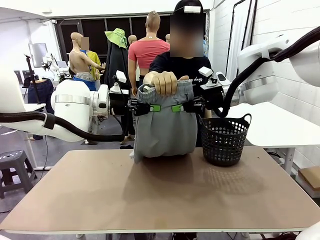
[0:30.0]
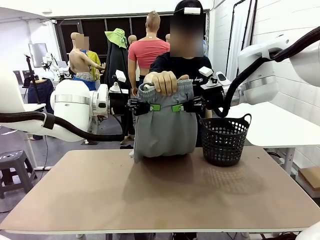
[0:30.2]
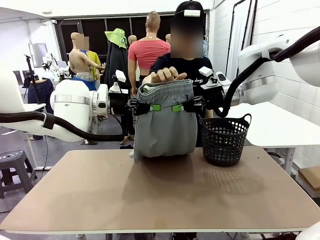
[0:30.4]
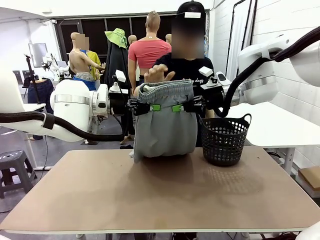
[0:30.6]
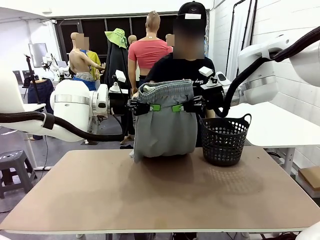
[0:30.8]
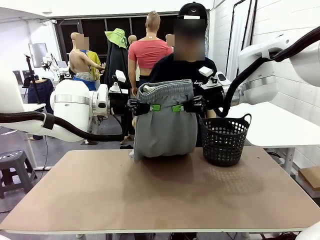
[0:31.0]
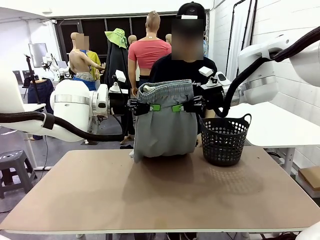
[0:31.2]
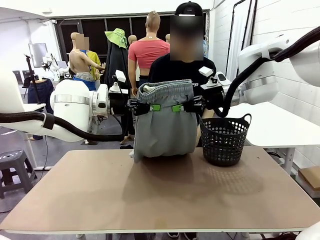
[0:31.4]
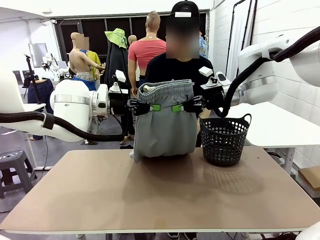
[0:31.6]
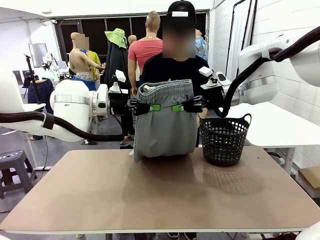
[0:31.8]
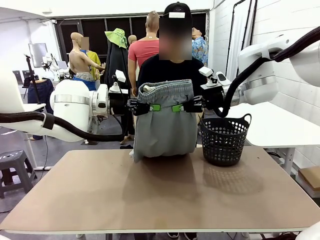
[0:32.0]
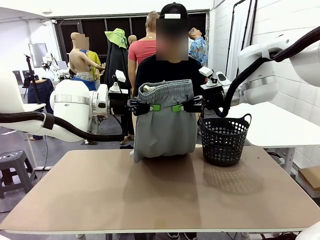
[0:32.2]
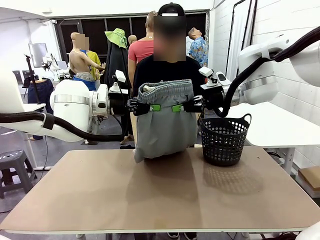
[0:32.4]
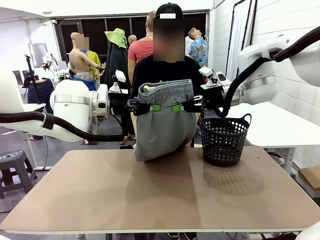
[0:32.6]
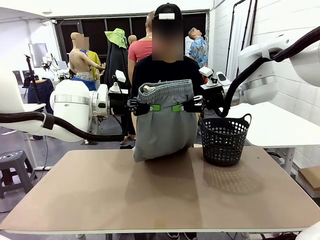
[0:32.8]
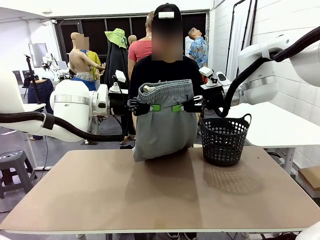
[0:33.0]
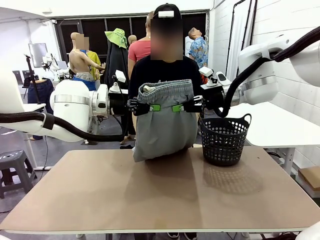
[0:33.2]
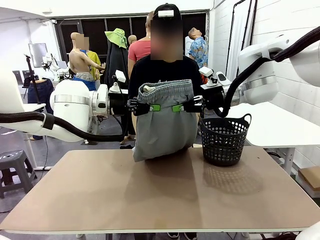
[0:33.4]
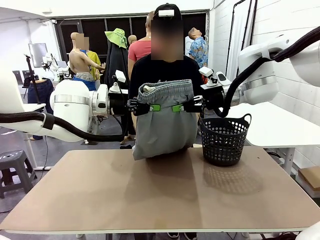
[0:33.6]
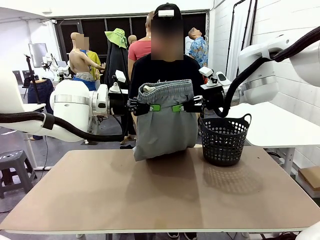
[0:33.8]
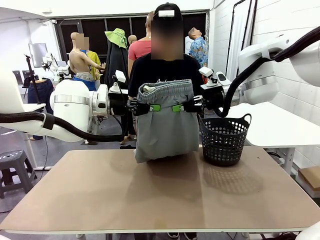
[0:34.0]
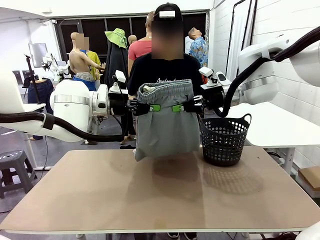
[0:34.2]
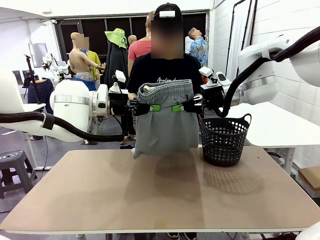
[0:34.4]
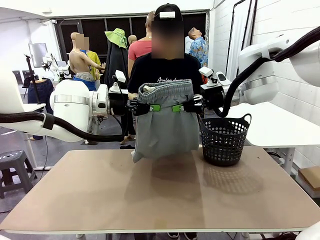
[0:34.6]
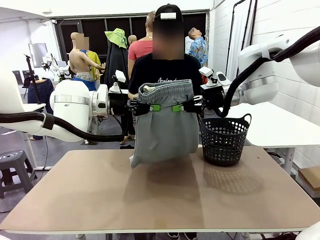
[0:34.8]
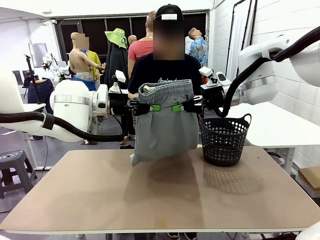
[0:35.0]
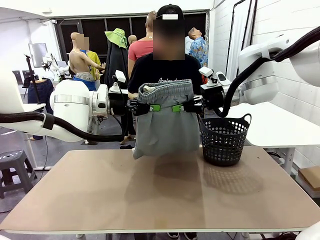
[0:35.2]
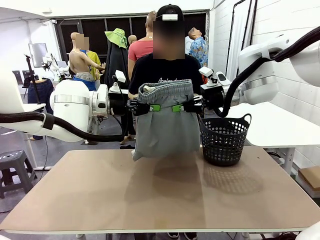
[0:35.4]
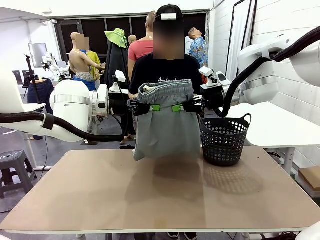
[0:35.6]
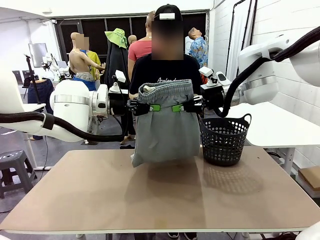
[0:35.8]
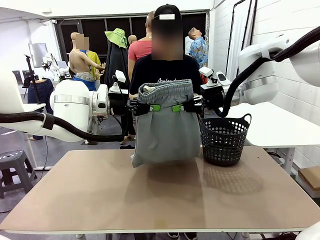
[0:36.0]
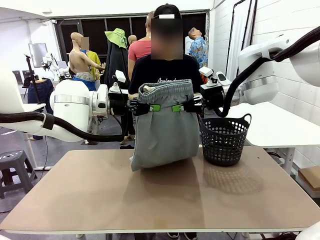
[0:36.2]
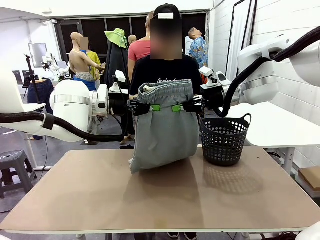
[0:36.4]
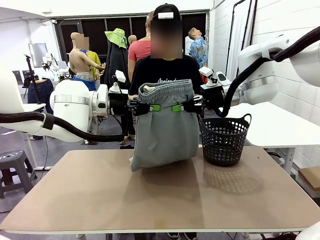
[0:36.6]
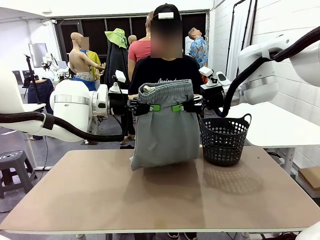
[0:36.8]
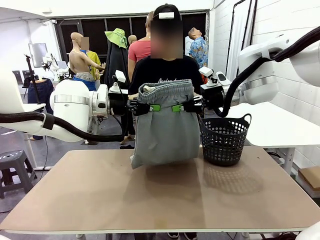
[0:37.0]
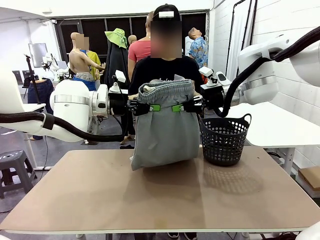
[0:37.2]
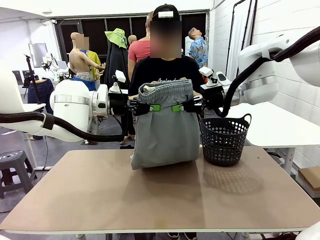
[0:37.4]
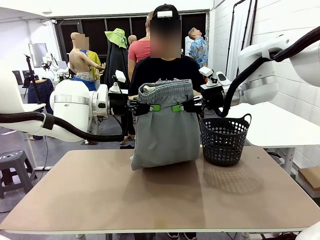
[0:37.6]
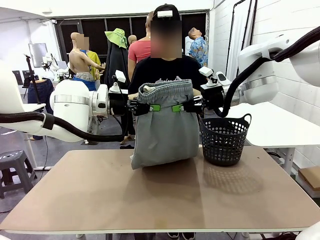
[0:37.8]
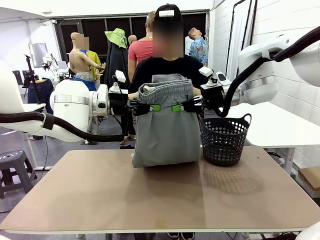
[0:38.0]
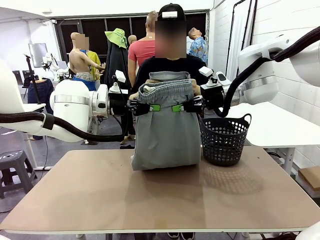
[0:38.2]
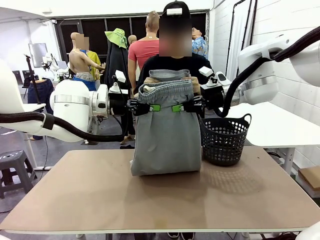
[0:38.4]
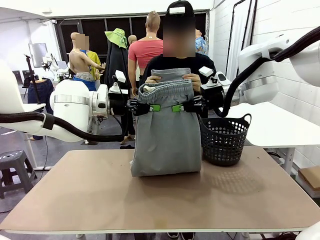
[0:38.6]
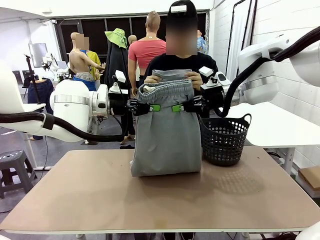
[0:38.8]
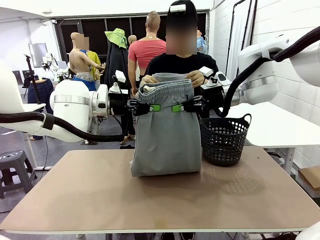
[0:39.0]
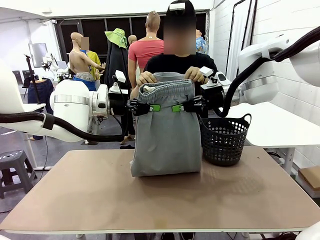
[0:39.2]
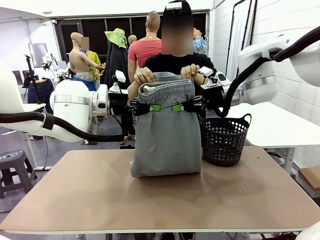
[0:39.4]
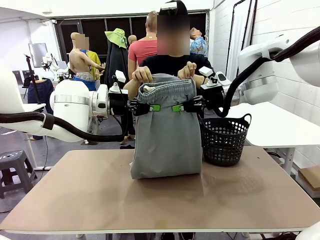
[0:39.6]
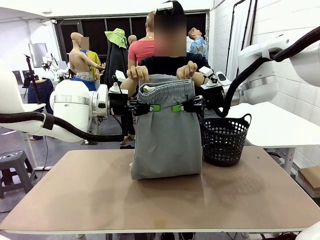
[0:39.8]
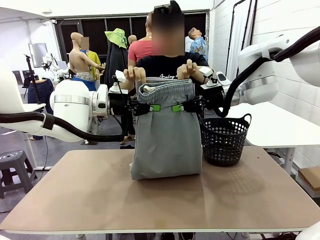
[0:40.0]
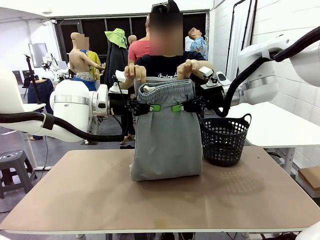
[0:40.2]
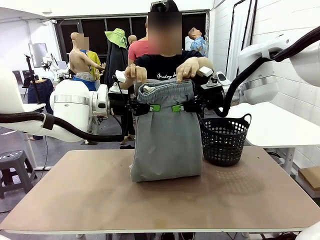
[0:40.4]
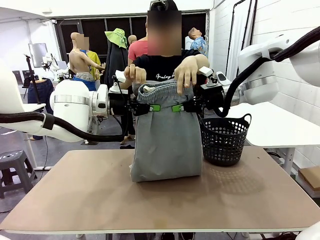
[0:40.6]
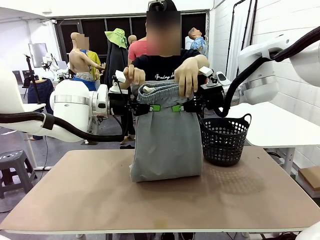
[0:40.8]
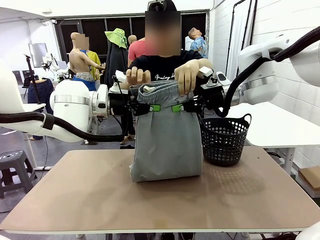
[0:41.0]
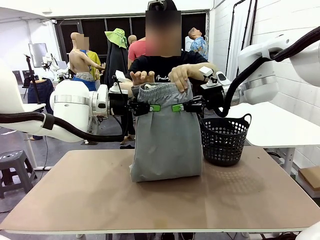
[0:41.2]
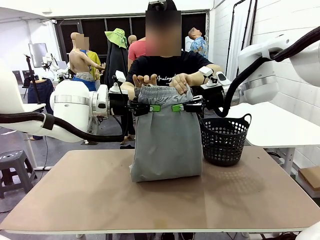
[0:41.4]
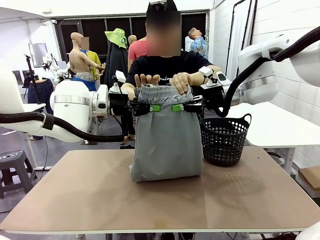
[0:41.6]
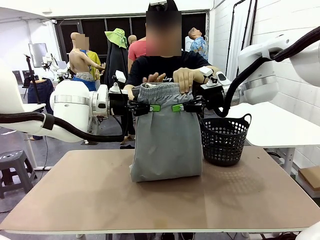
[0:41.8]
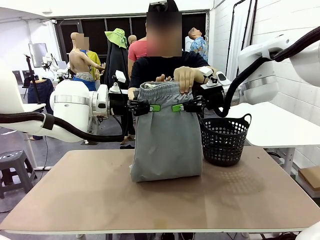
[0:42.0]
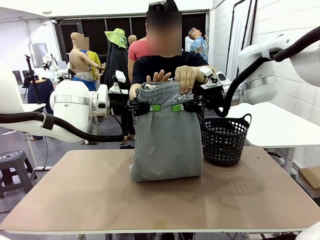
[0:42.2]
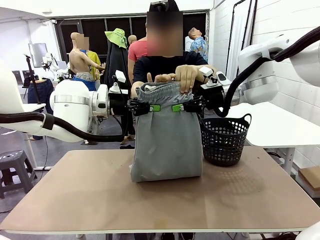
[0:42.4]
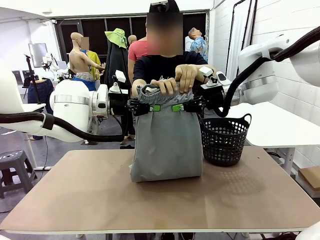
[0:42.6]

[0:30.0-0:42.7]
Task: Fold the training pants.
Robot: Release the ends of the Training pants and then grab the overlapped ends.
Person: Grasp the end opposite the point the robot is holding, fold the pants in half, and then grasp the overlapping top end of the folded pants.

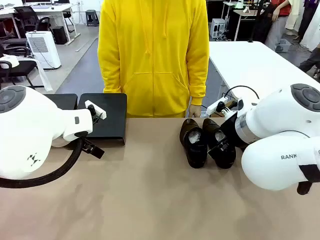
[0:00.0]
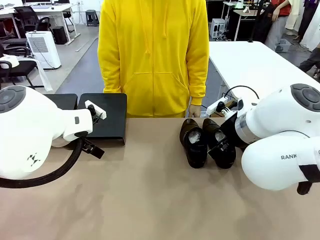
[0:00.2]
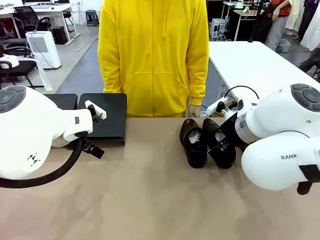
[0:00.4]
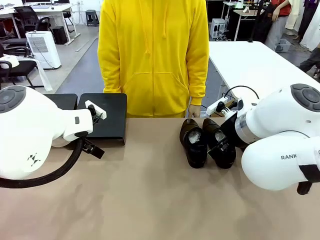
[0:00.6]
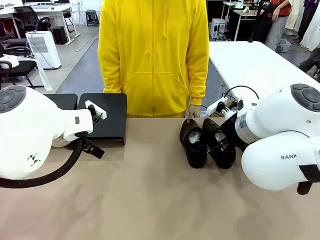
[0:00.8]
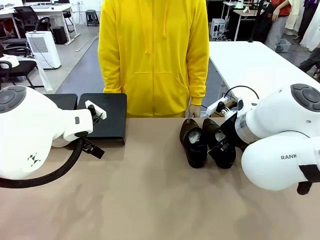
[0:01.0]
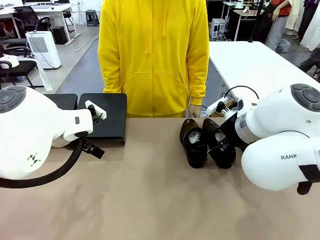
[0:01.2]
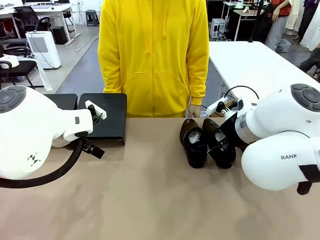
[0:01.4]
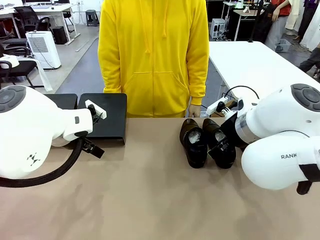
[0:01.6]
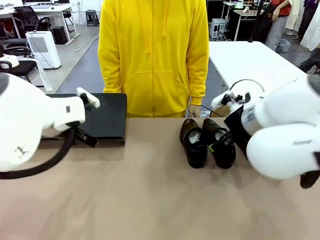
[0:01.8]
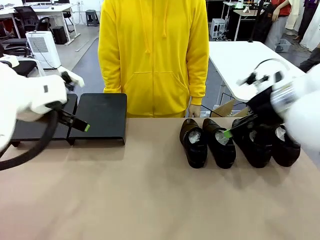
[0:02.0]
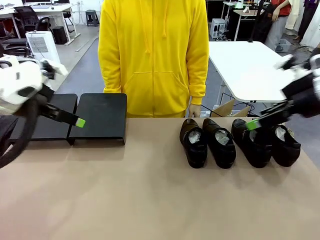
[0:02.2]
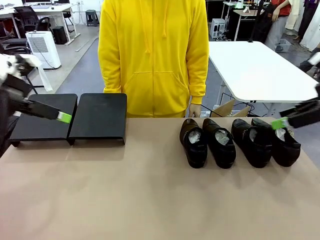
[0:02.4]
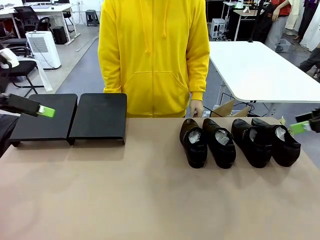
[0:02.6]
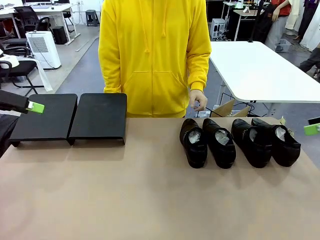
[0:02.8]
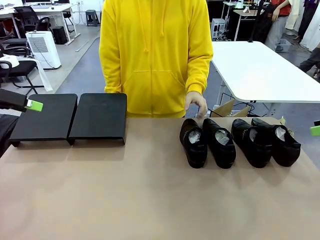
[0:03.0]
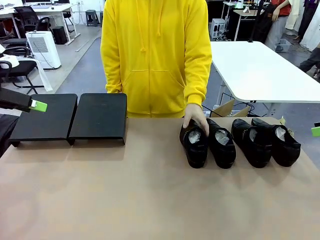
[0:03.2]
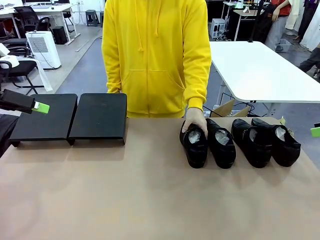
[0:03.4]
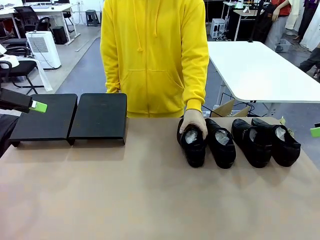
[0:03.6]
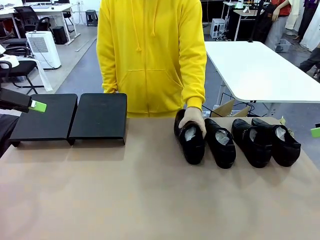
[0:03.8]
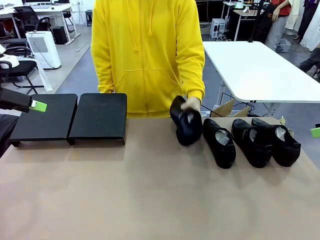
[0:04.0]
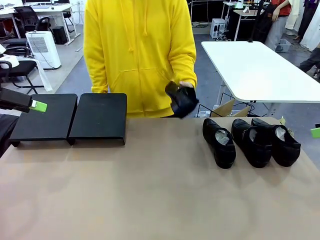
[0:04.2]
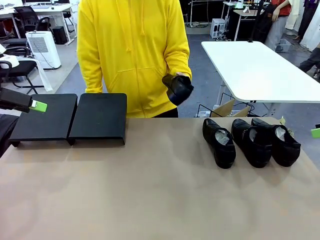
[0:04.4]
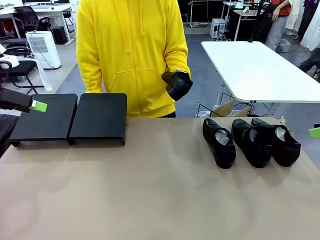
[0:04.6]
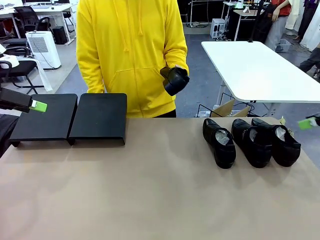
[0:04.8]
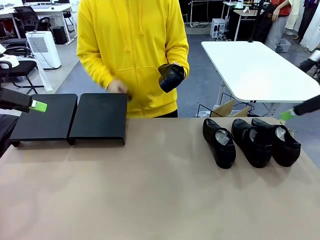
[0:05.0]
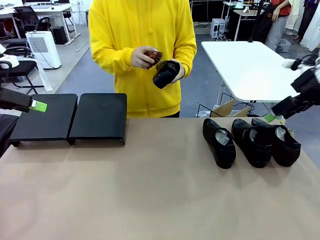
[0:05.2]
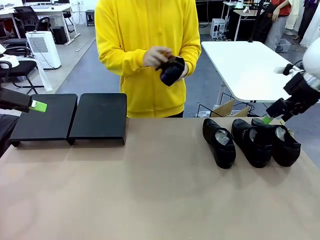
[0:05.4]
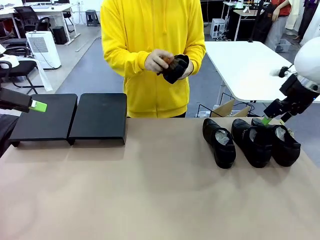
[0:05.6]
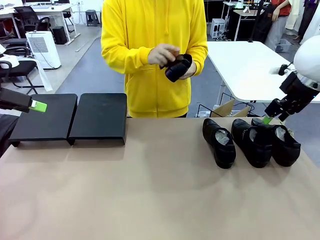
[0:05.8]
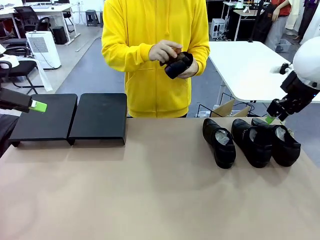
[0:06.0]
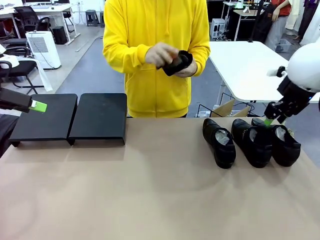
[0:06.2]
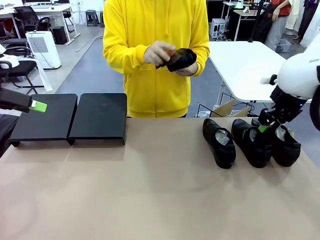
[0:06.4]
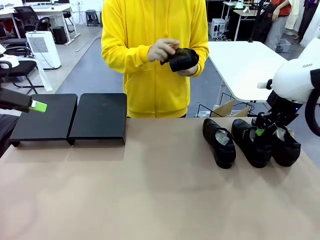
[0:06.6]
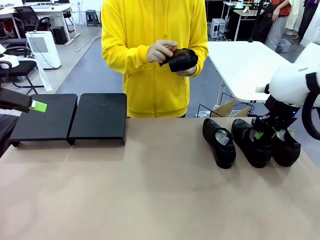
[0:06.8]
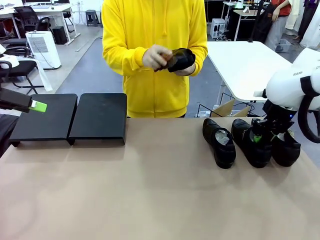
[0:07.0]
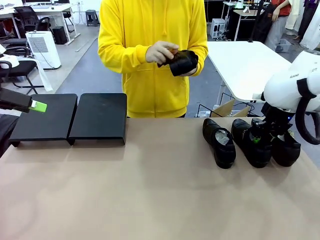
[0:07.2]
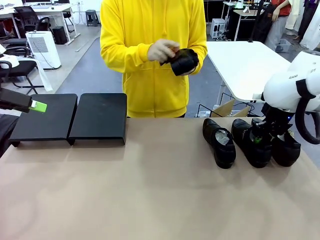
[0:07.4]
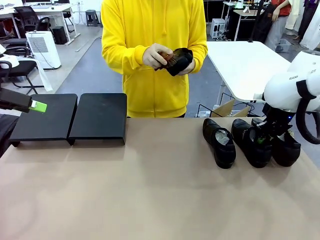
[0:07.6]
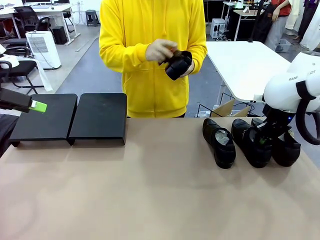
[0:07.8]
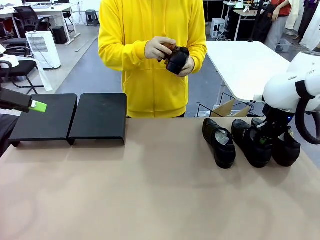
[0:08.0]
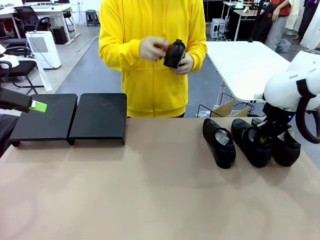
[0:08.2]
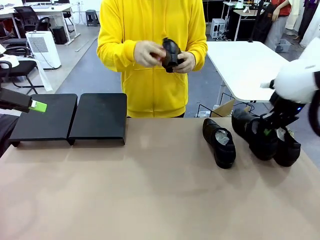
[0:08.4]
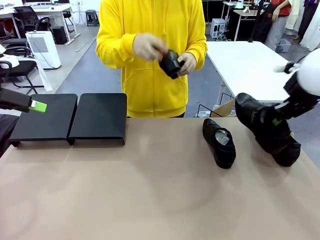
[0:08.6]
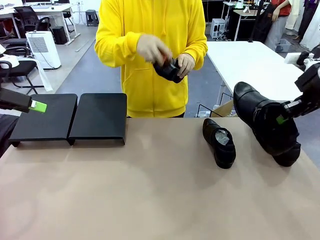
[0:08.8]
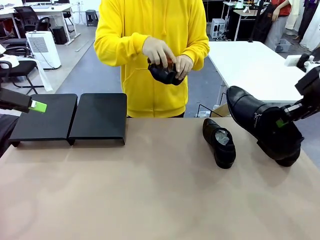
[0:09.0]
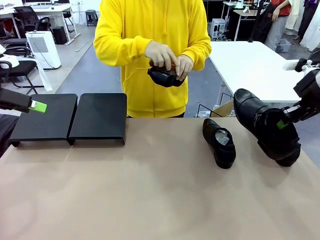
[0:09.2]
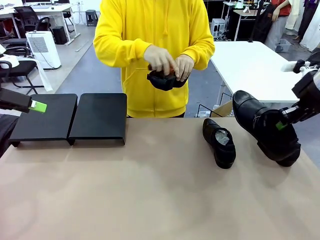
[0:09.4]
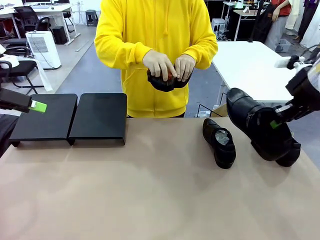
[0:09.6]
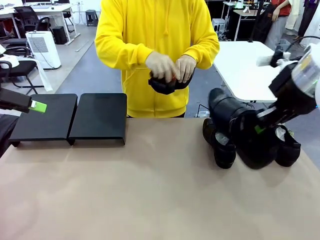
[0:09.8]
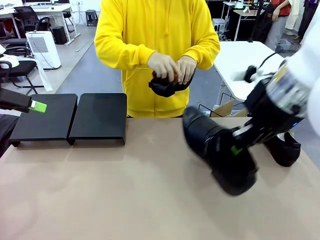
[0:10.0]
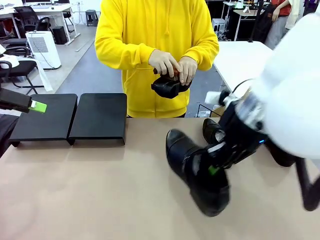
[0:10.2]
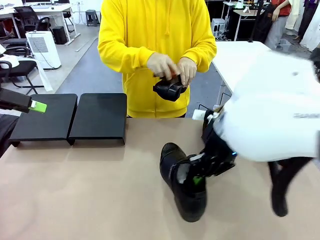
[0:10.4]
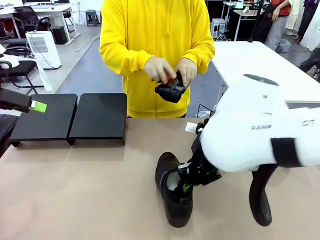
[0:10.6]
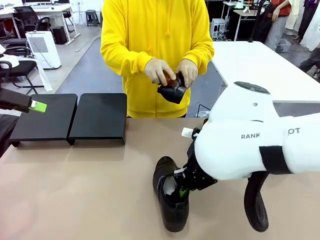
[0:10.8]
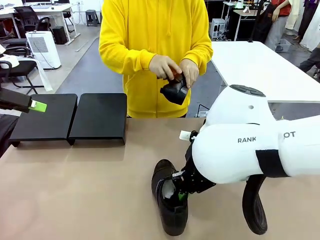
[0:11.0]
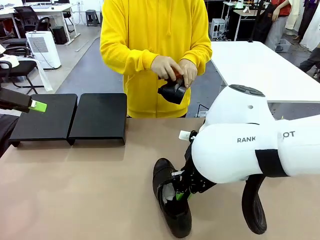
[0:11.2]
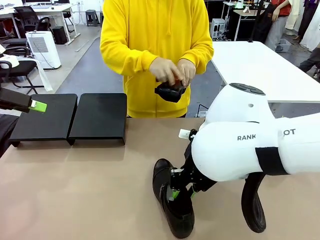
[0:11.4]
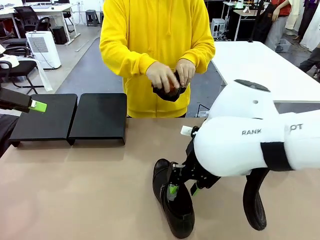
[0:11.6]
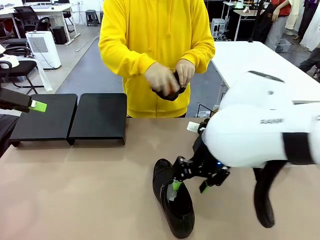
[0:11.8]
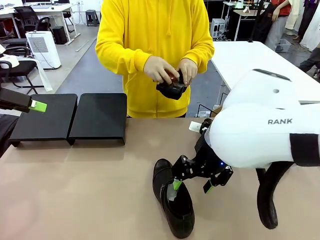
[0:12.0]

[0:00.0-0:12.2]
Task: Organize the shoes by placing them on the stand.
Robot: Pick up one Shoe and place it in the middle of the table.
Person: Pick one Shoe on Robot's table.
